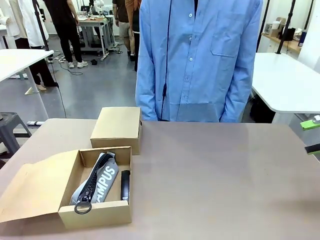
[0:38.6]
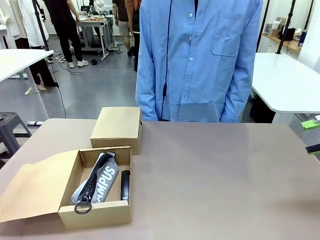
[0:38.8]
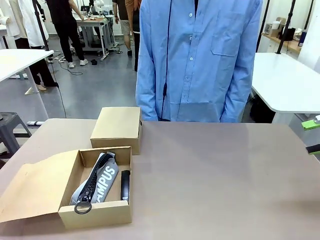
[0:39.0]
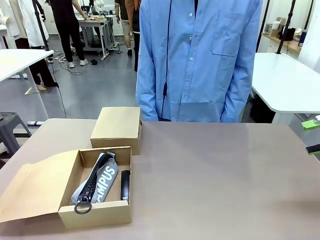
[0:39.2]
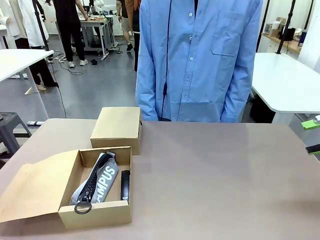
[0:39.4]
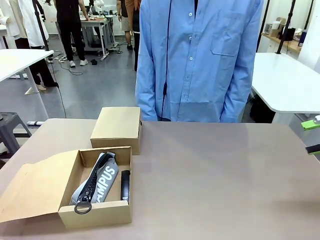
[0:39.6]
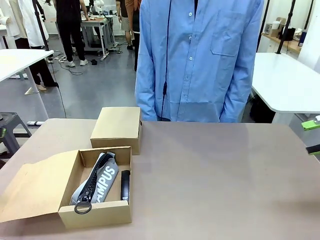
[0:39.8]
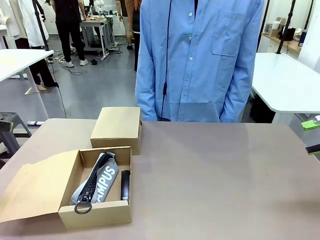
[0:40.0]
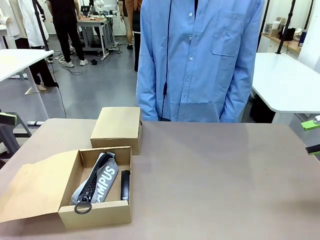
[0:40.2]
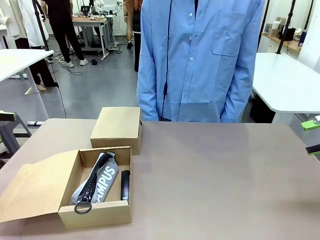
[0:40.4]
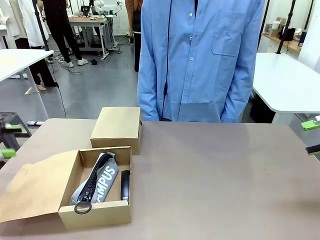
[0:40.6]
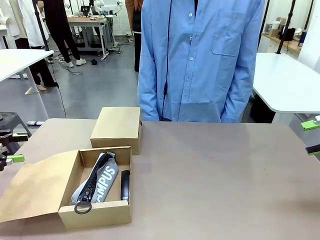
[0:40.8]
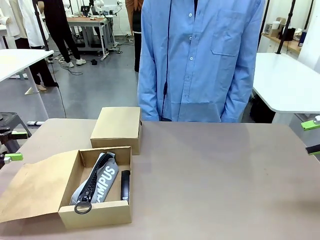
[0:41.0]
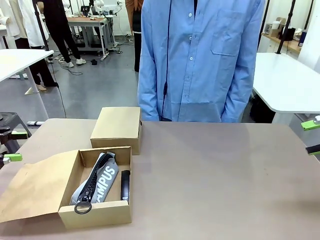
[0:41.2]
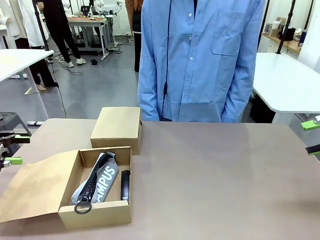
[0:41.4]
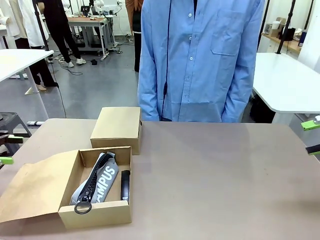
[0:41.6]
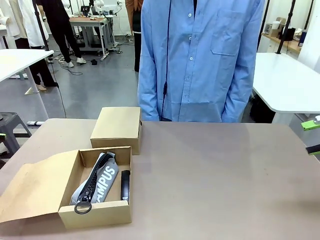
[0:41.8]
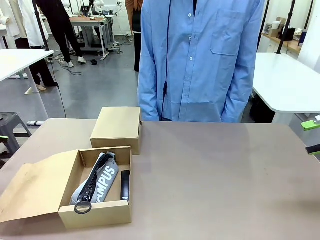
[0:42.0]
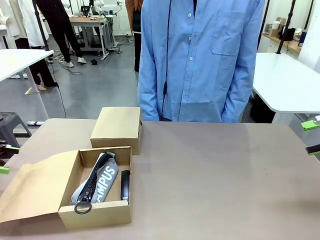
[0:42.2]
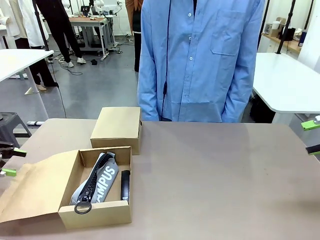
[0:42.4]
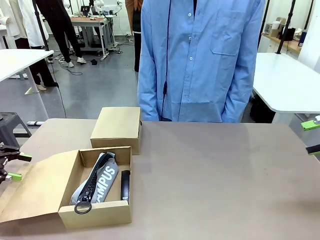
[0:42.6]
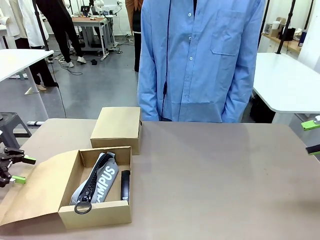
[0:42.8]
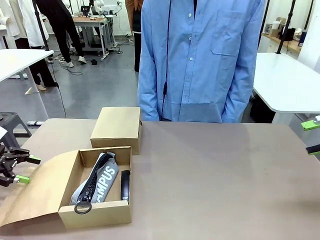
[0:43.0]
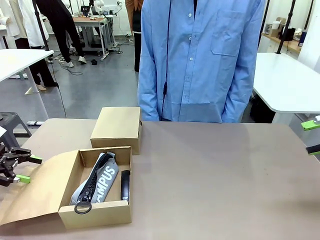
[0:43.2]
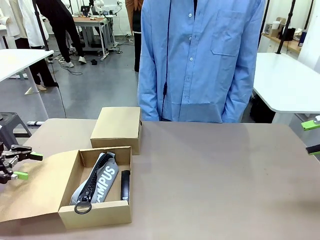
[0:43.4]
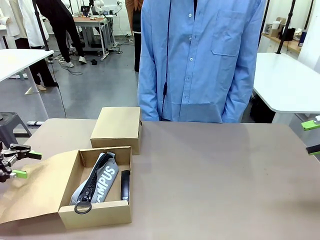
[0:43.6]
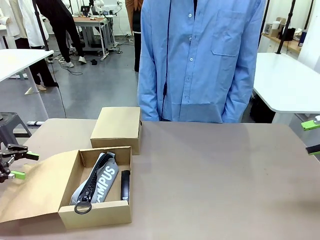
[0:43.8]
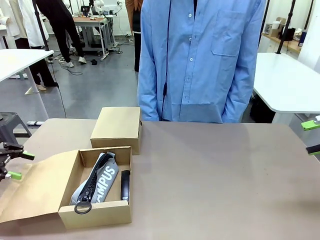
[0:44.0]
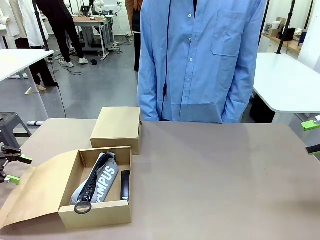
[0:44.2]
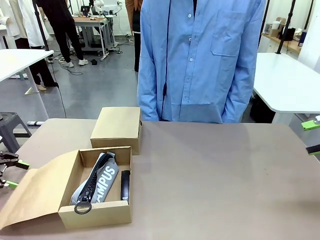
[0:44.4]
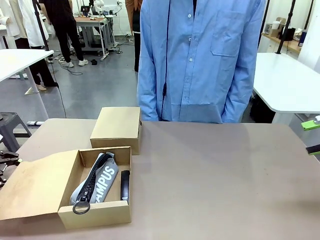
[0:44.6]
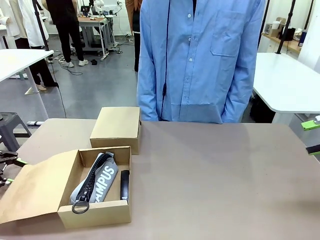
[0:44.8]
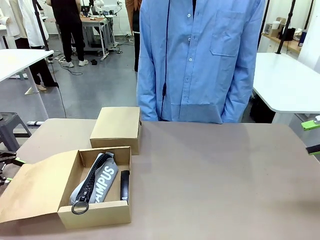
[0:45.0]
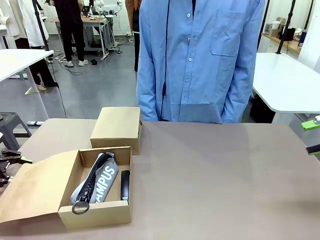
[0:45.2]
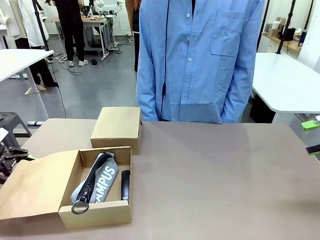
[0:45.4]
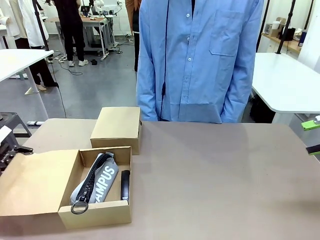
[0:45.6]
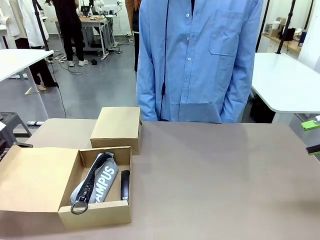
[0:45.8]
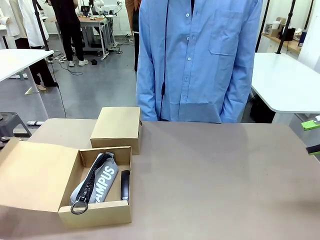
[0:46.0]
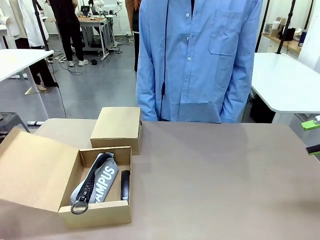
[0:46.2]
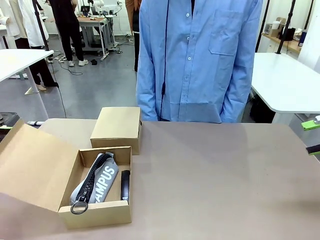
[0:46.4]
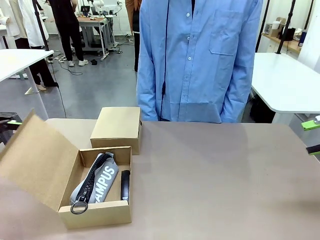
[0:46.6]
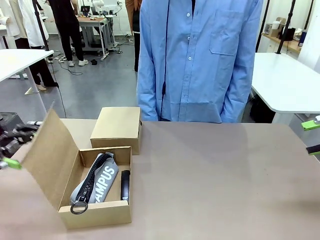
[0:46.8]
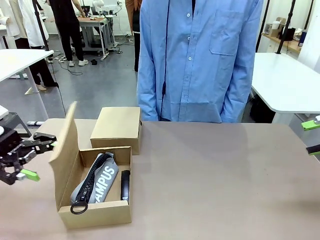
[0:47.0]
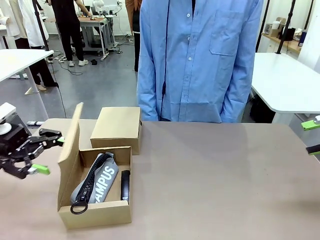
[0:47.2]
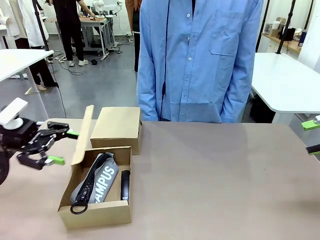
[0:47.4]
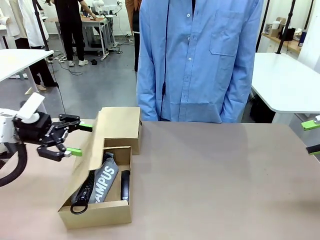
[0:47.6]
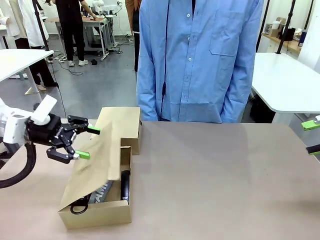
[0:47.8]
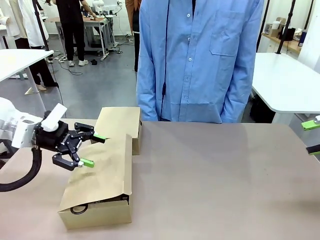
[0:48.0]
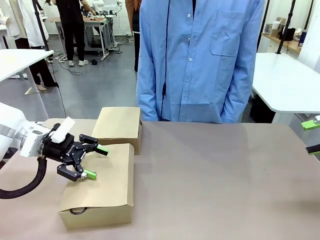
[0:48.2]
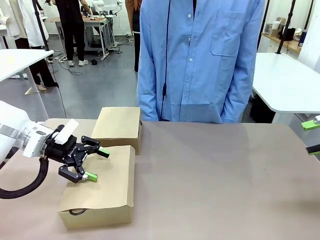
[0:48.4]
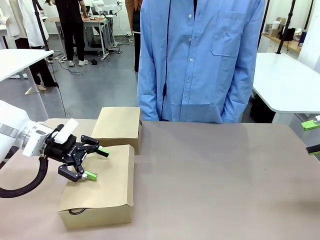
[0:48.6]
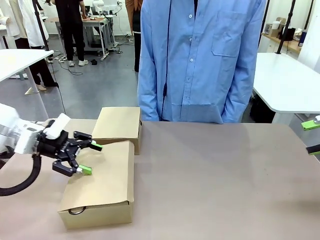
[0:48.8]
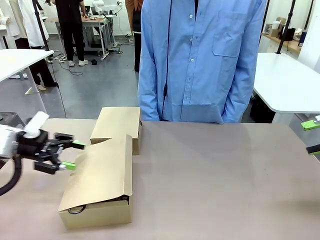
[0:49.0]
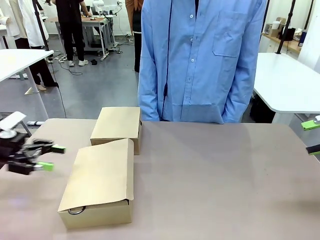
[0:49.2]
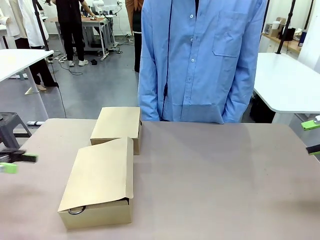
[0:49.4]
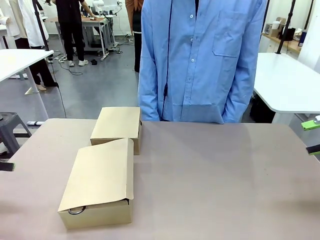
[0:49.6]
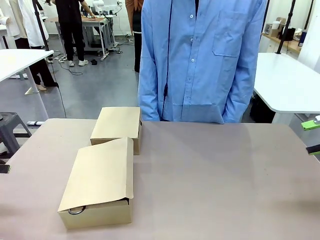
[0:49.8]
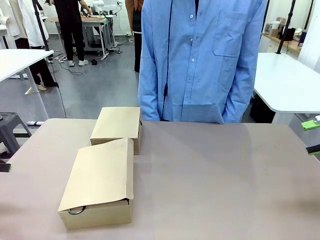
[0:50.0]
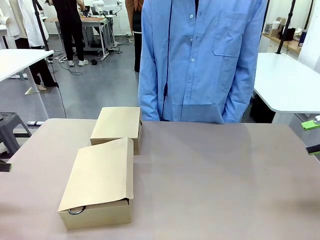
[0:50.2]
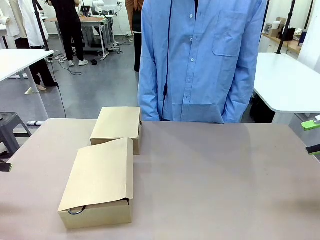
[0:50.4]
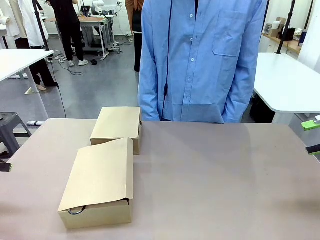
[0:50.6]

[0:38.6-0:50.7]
Task: Place items inside the box.
Robot: Close the lid of the Mailer Box closest to the robot.
Person: Close the lid of the box facing the person.

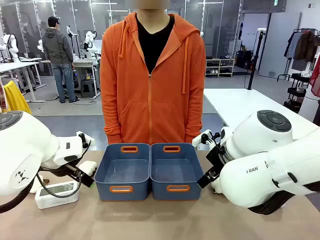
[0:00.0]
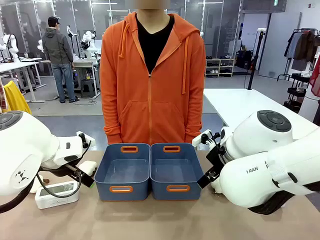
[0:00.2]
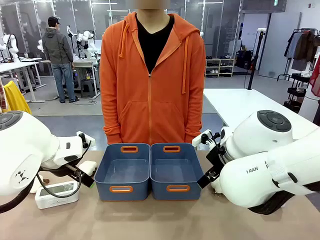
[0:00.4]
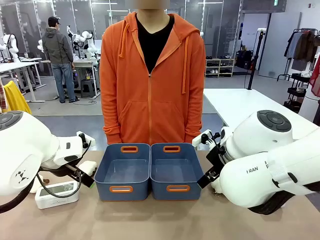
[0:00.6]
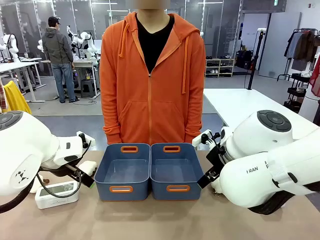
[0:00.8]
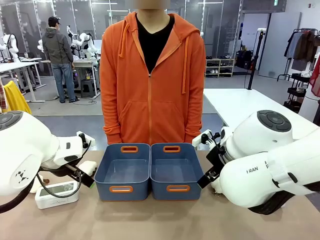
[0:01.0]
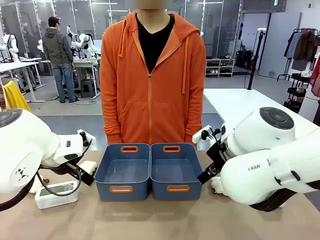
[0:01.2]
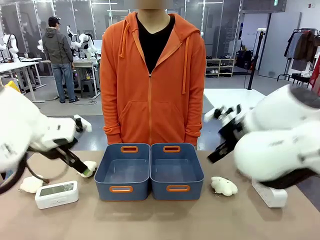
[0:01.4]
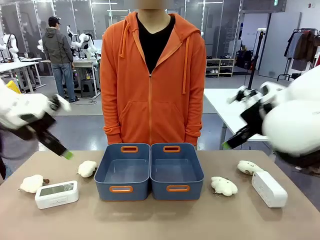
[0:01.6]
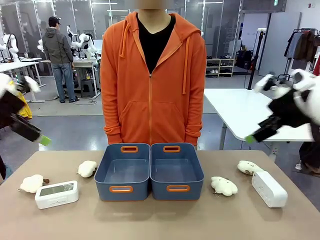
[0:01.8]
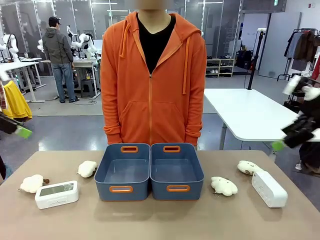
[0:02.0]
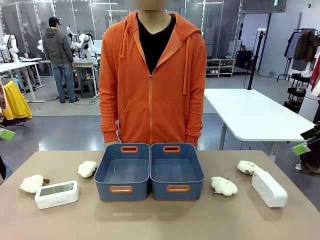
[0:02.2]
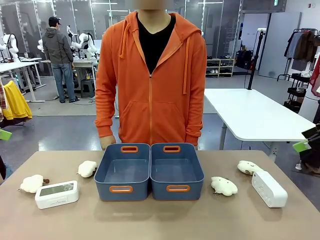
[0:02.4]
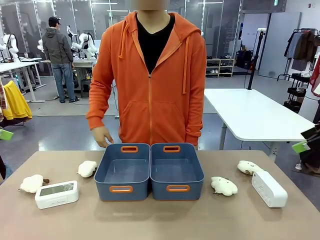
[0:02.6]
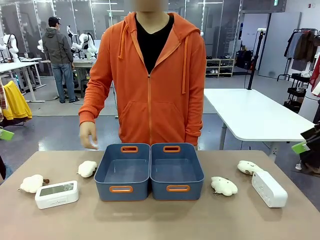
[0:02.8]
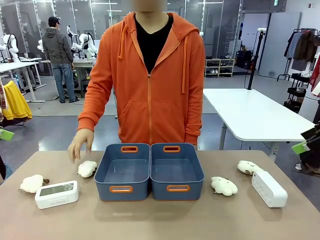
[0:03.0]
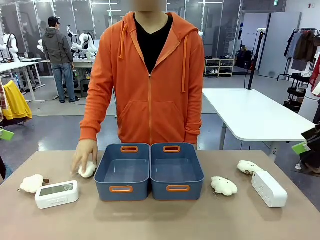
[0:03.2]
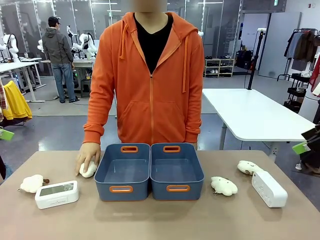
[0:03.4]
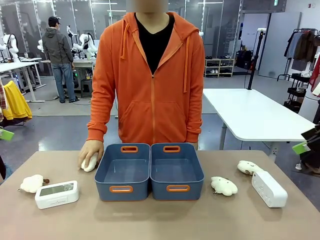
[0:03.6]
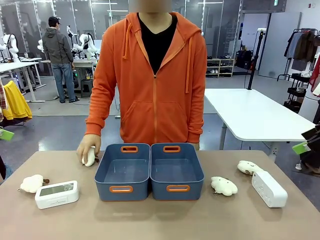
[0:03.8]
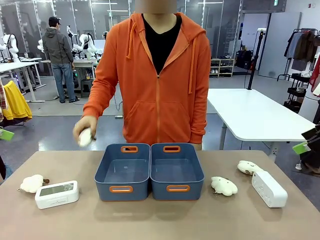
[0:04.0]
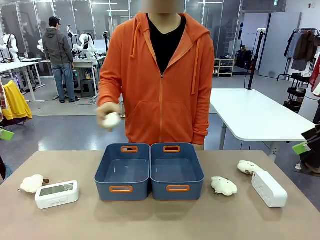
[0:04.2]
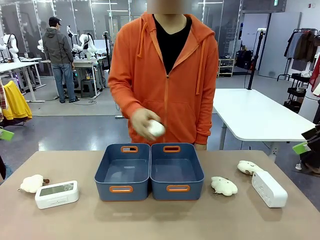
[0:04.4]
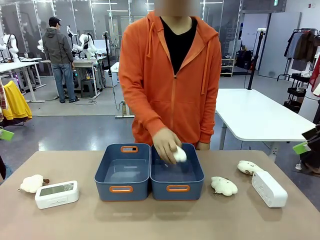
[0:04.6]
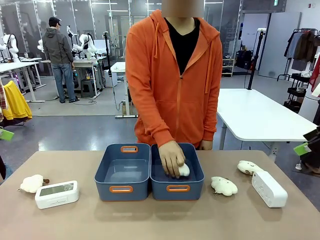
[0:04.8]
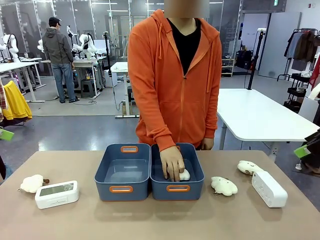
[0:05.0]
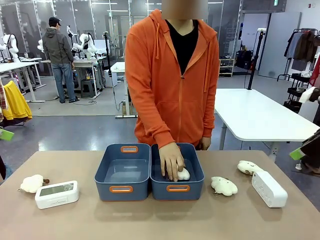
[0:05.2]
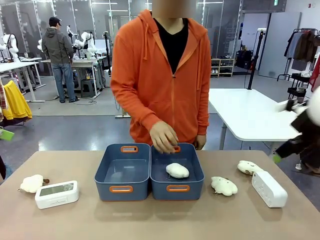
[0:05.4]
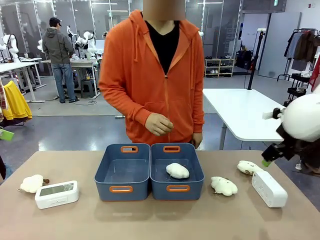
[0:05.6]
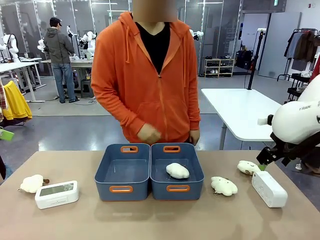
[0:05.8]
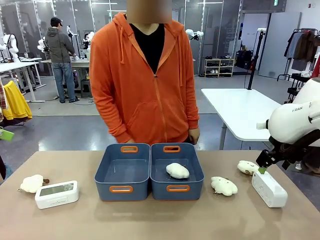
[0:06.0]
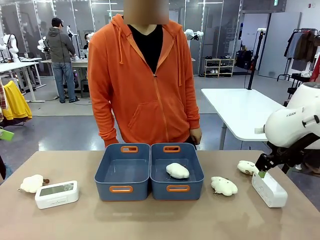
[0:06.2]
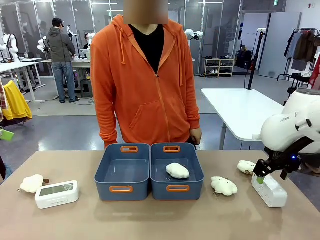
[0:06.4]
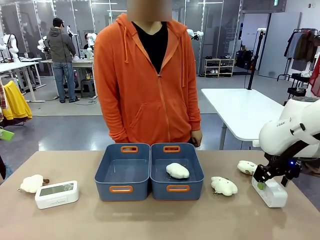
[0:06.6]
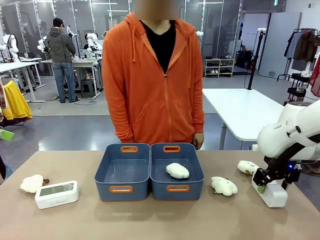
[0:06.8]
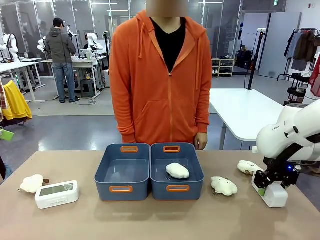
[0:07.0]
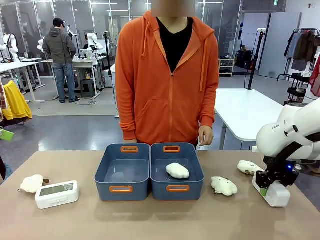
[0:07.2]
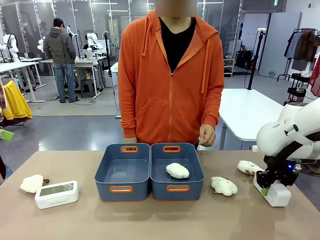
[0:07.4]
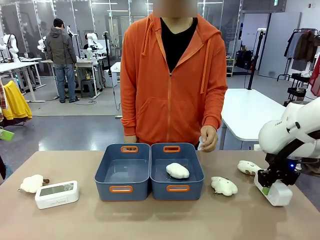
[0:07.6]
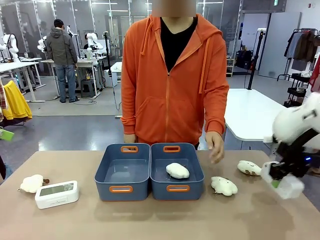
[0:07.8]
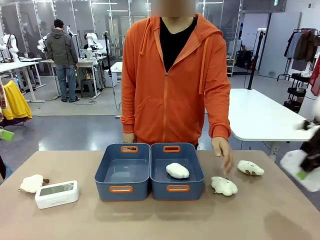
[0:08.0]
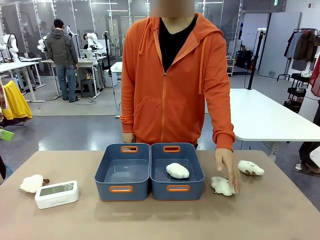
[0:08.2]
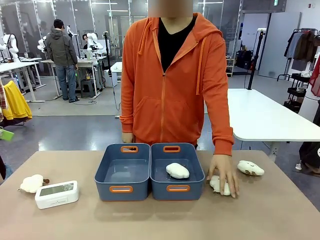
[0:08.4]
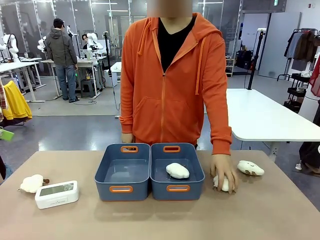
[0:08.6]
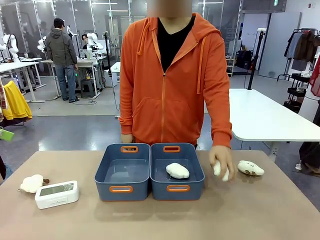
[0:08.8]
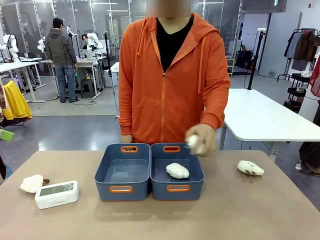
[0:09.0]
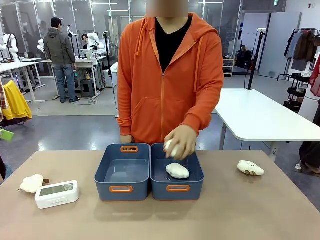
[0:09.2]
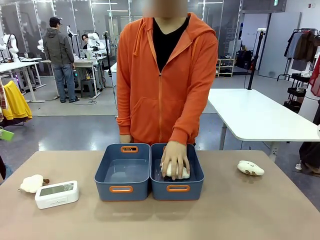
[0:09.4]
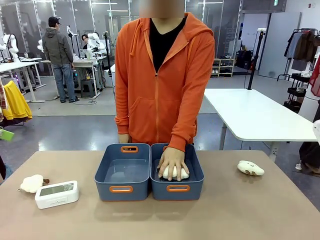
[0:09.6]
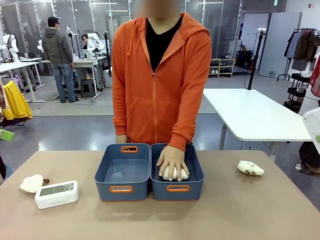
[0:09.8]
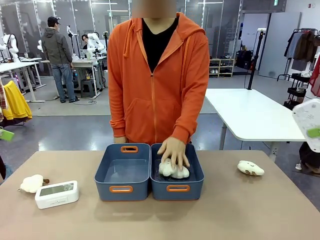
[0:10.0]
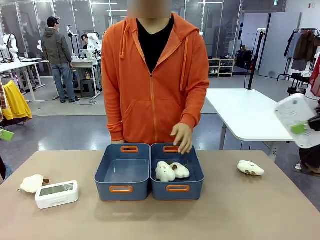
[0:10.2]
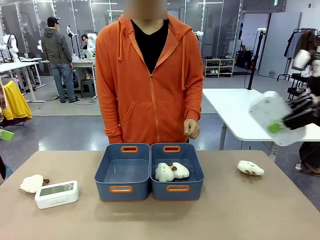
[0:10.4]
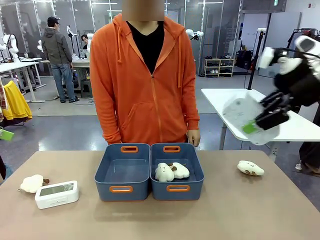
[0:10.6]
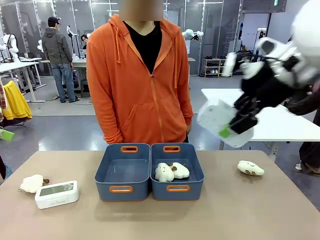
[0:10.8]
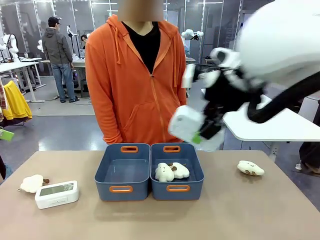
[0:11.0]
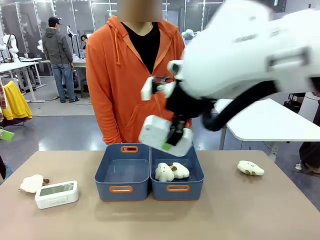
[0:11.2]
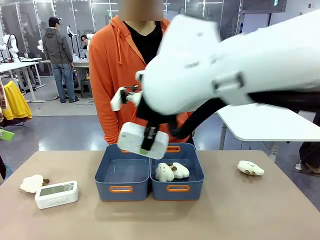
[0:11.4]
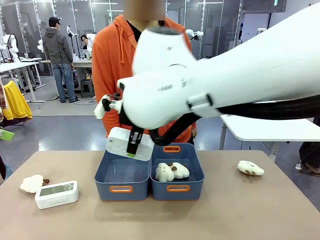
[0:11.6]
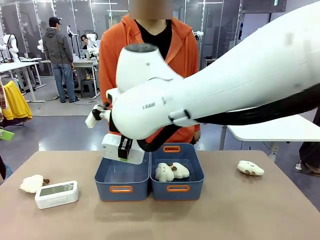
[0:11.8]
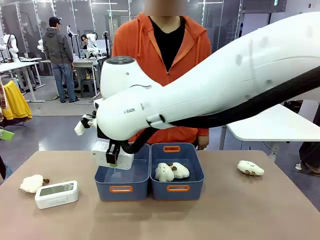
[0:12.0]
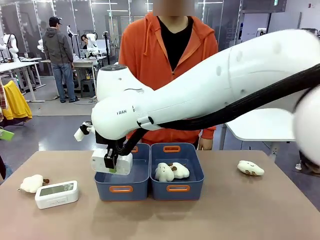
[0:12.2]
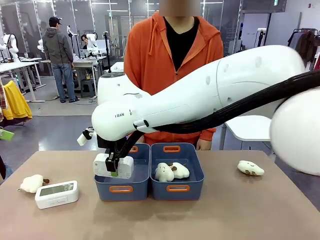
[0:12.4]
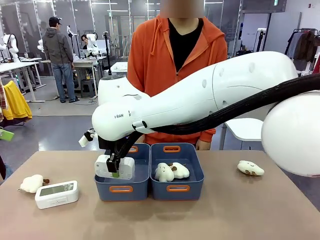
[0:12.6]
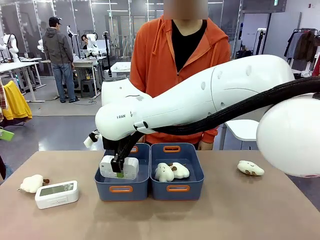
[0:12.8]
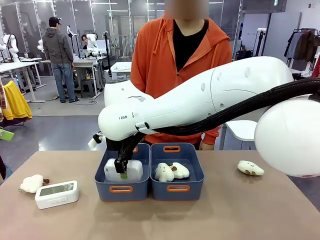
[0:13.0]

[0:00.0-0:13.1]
Task: Sort the digital clocks into the basket.
Robot: Pick up the Digital clock from the table and place it into the empty Plastic storage basket.
Person: Pick up a plush toy from the table and place it in a plastic storage basket.
